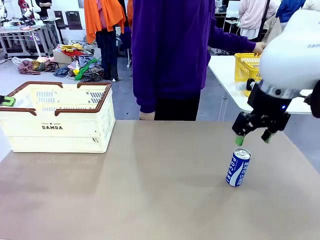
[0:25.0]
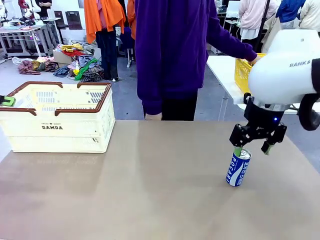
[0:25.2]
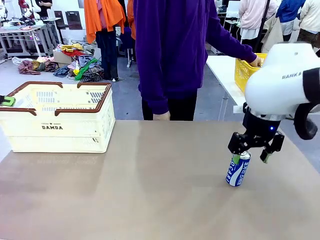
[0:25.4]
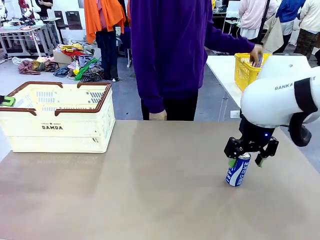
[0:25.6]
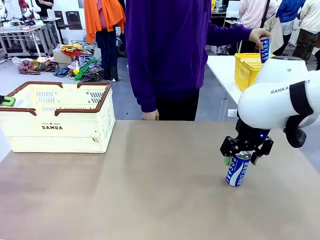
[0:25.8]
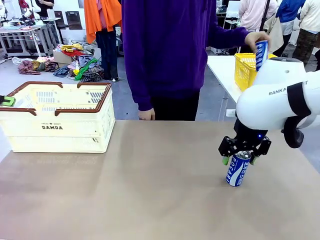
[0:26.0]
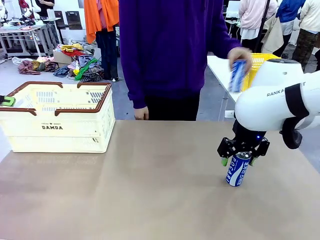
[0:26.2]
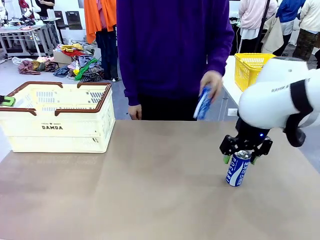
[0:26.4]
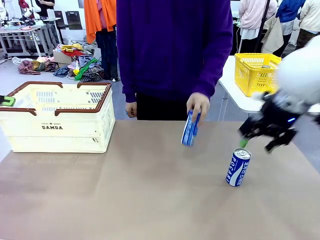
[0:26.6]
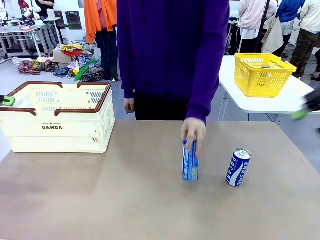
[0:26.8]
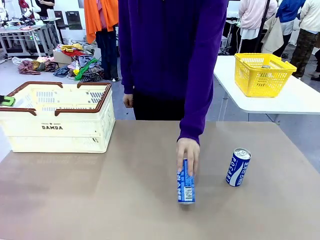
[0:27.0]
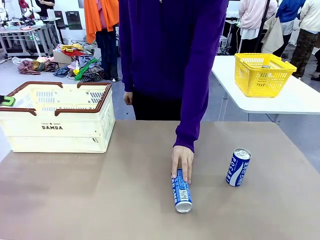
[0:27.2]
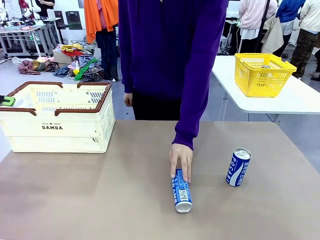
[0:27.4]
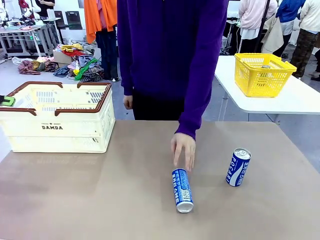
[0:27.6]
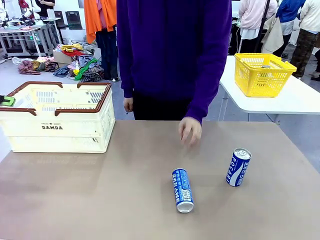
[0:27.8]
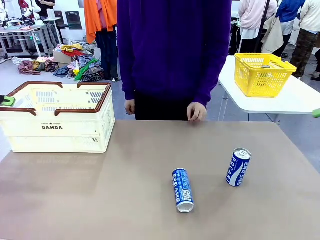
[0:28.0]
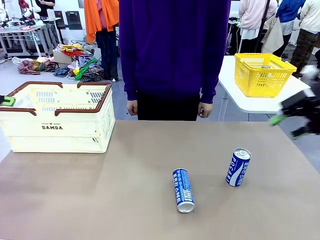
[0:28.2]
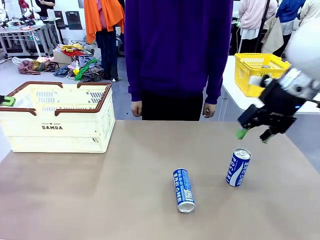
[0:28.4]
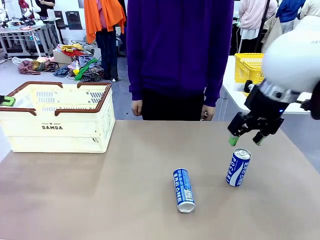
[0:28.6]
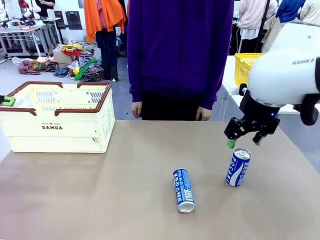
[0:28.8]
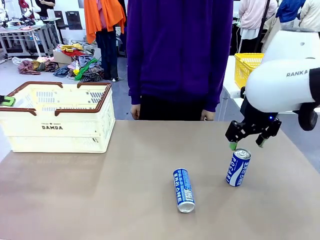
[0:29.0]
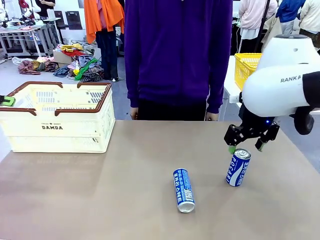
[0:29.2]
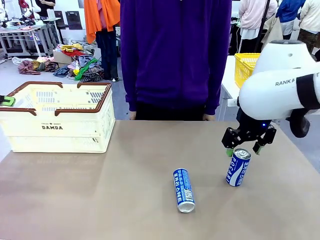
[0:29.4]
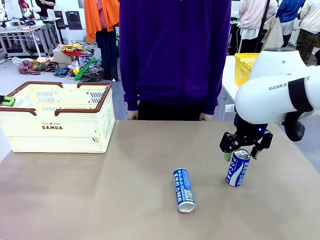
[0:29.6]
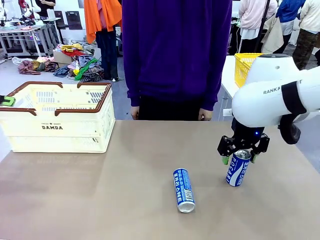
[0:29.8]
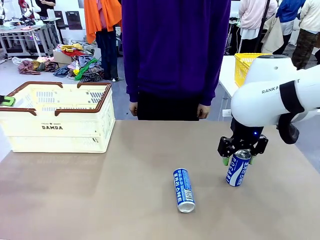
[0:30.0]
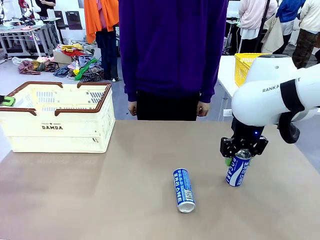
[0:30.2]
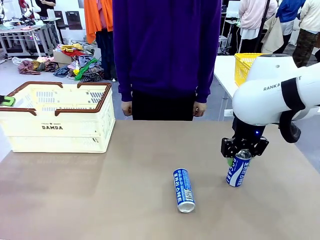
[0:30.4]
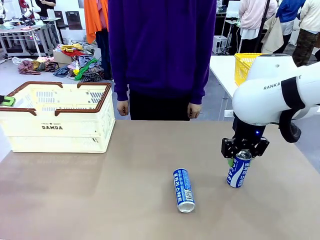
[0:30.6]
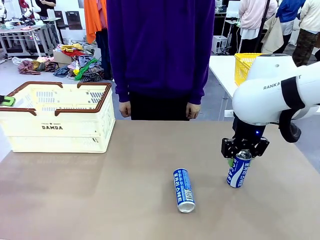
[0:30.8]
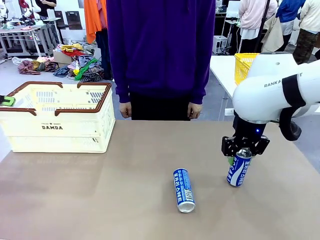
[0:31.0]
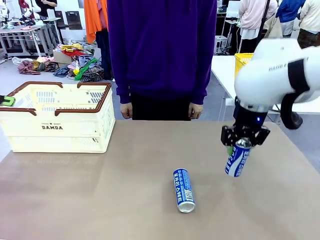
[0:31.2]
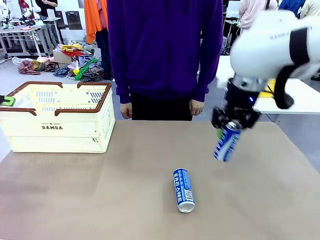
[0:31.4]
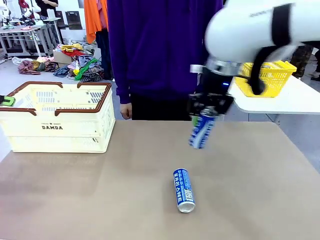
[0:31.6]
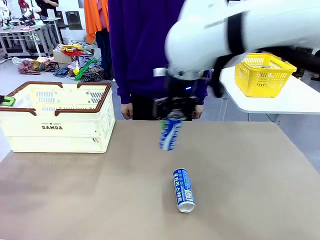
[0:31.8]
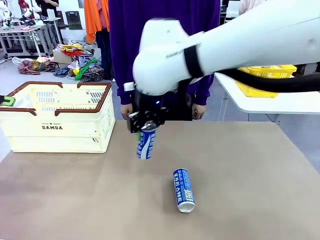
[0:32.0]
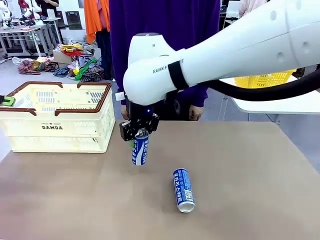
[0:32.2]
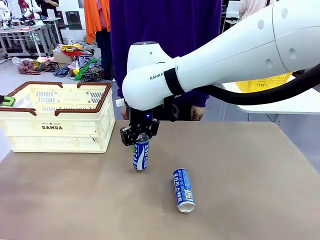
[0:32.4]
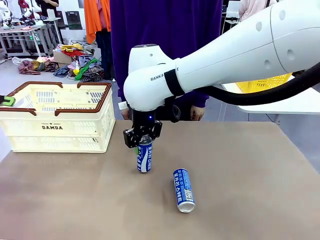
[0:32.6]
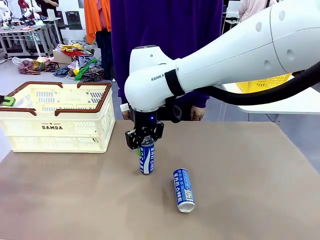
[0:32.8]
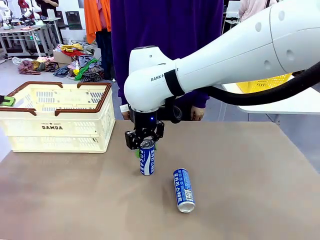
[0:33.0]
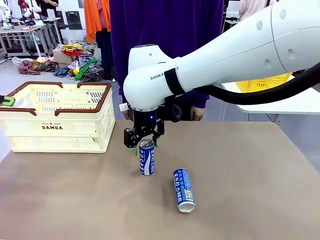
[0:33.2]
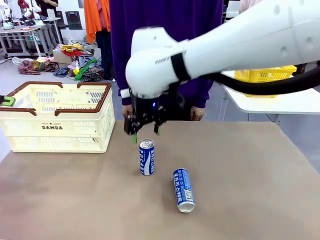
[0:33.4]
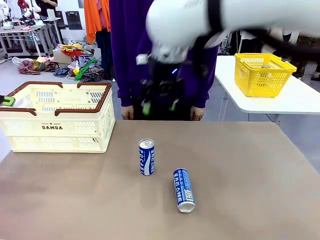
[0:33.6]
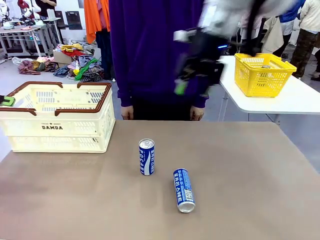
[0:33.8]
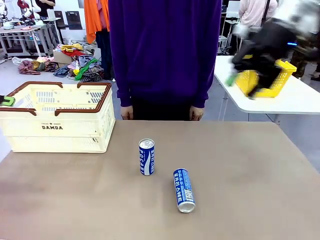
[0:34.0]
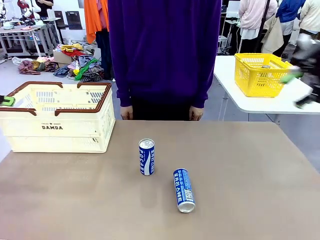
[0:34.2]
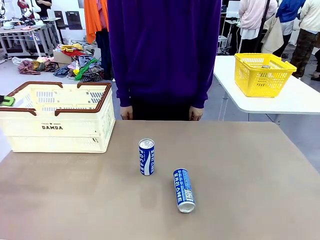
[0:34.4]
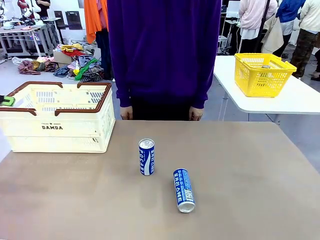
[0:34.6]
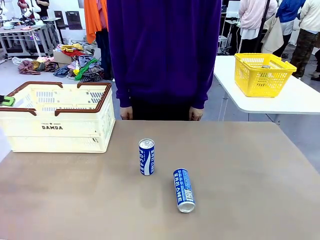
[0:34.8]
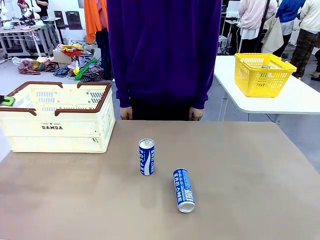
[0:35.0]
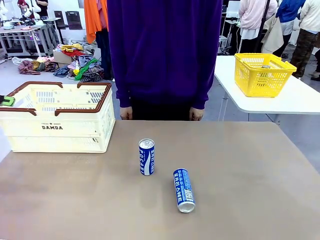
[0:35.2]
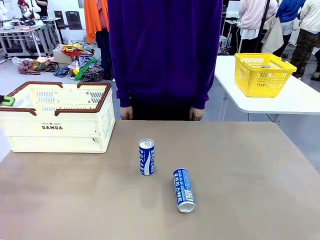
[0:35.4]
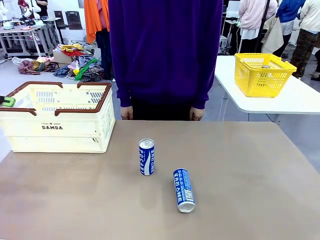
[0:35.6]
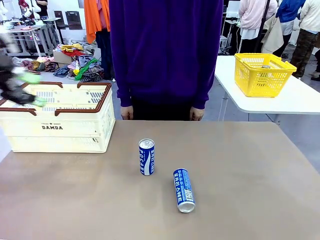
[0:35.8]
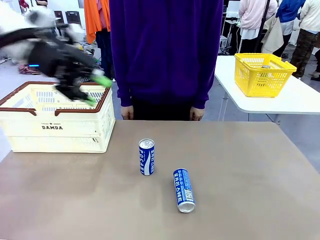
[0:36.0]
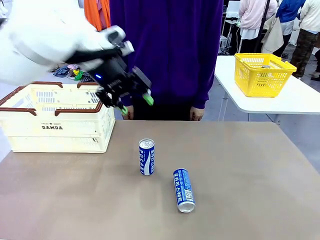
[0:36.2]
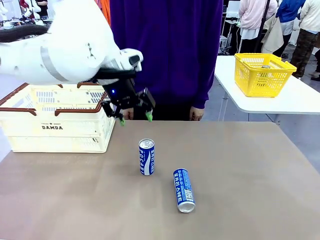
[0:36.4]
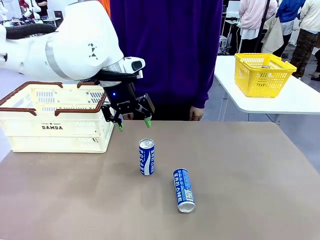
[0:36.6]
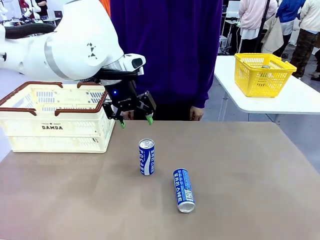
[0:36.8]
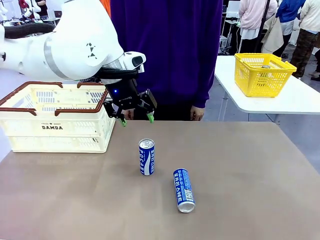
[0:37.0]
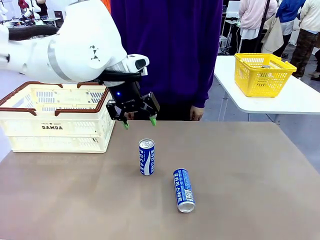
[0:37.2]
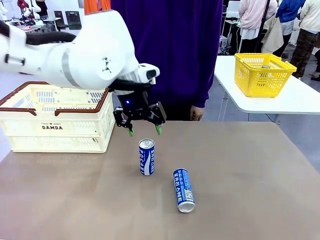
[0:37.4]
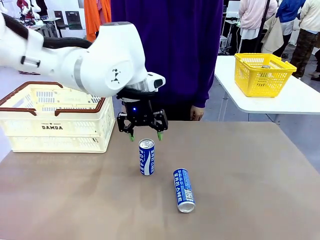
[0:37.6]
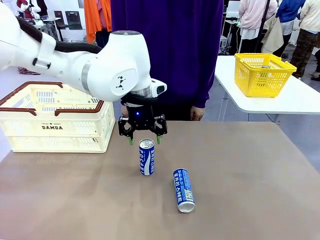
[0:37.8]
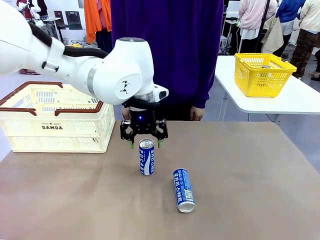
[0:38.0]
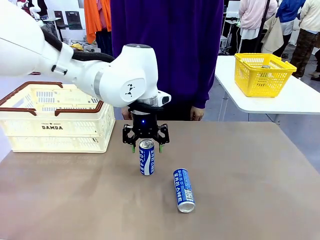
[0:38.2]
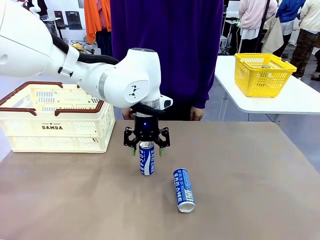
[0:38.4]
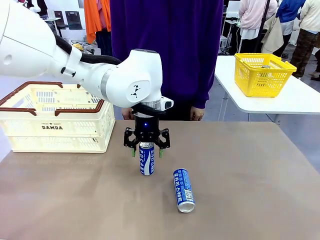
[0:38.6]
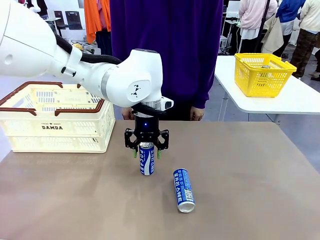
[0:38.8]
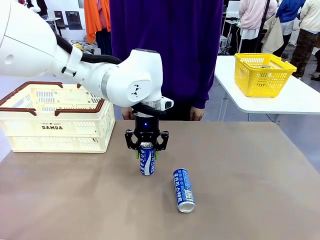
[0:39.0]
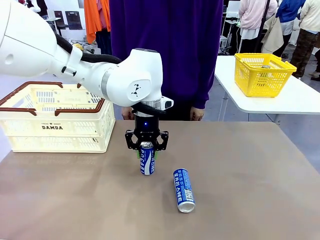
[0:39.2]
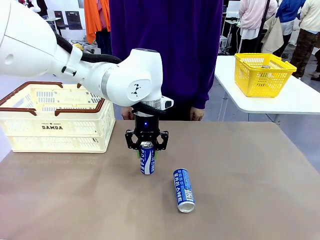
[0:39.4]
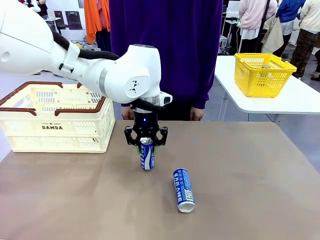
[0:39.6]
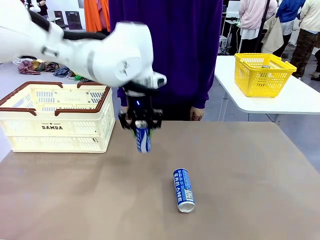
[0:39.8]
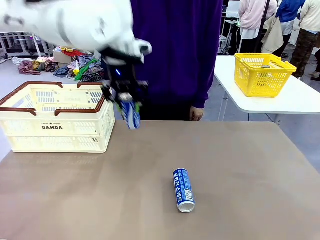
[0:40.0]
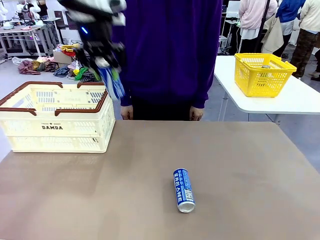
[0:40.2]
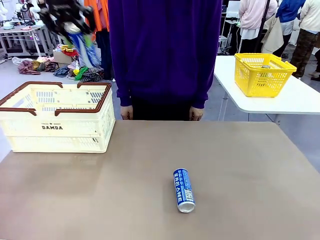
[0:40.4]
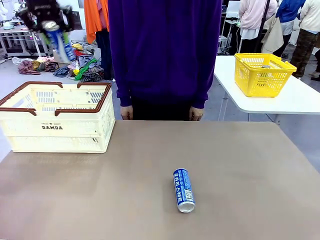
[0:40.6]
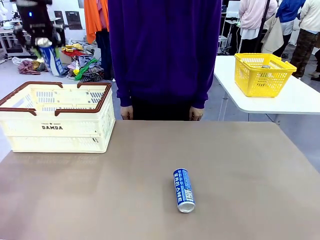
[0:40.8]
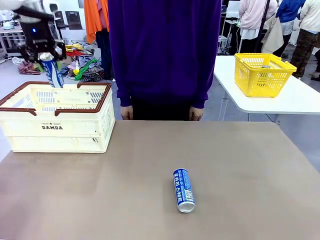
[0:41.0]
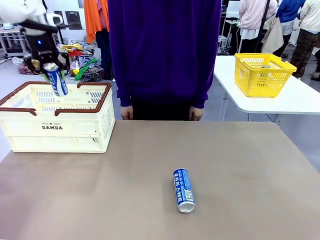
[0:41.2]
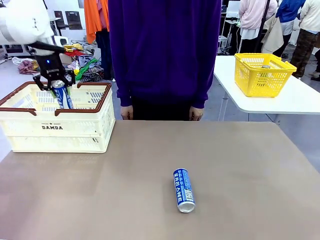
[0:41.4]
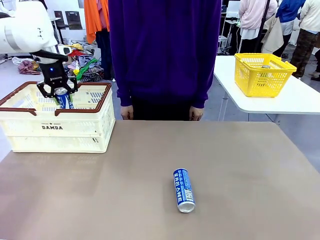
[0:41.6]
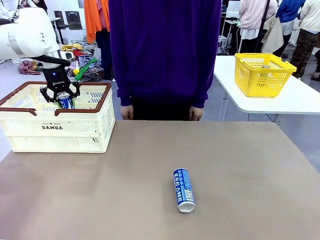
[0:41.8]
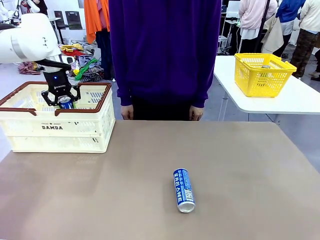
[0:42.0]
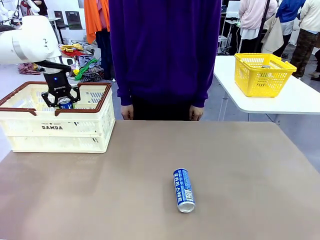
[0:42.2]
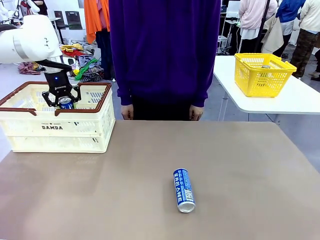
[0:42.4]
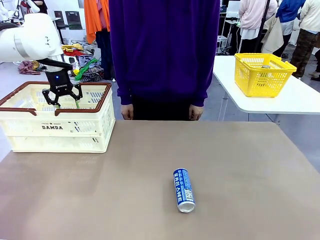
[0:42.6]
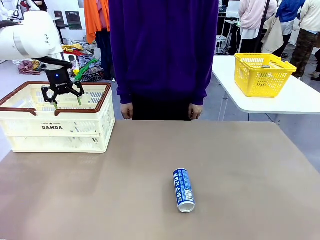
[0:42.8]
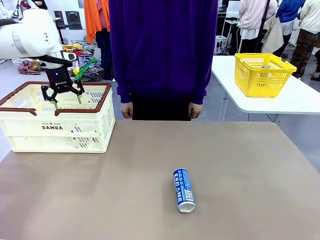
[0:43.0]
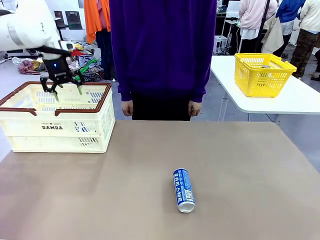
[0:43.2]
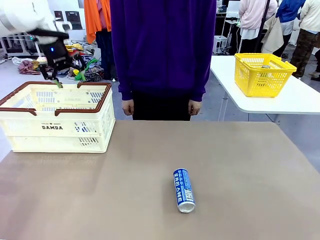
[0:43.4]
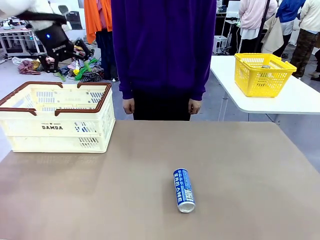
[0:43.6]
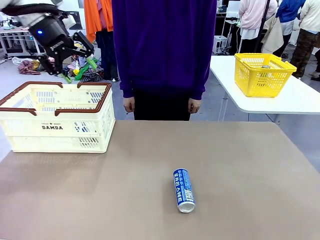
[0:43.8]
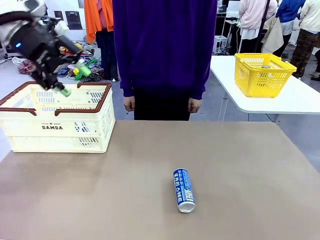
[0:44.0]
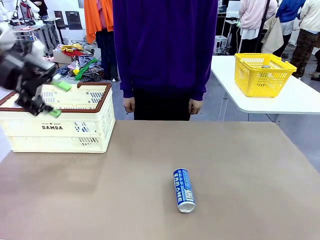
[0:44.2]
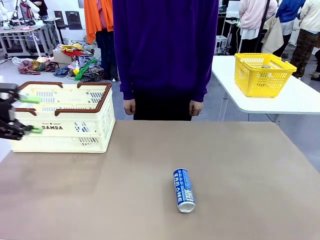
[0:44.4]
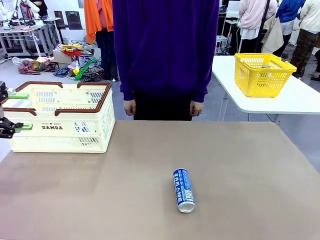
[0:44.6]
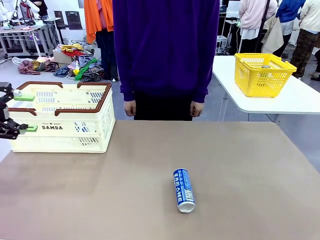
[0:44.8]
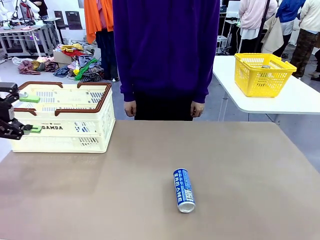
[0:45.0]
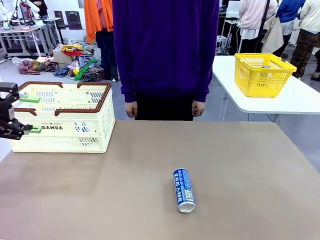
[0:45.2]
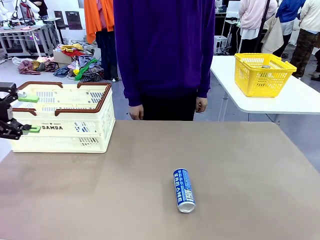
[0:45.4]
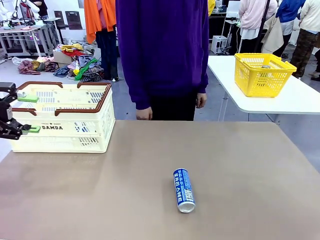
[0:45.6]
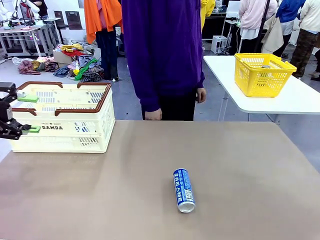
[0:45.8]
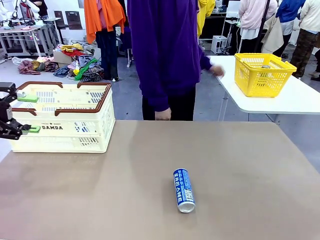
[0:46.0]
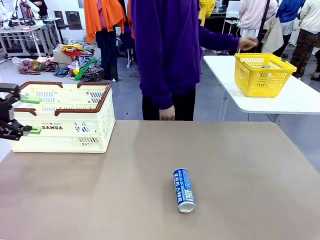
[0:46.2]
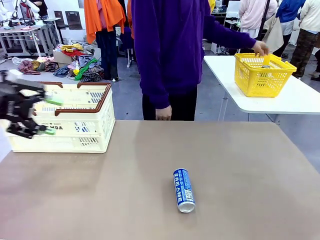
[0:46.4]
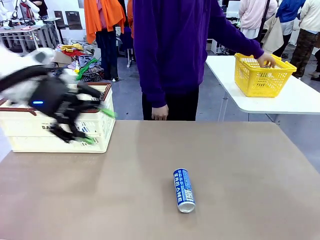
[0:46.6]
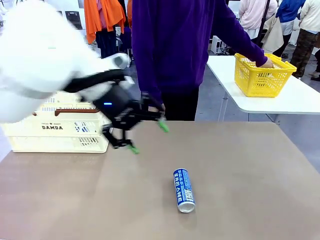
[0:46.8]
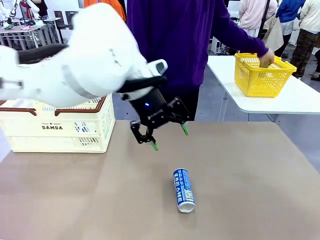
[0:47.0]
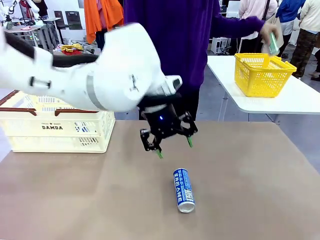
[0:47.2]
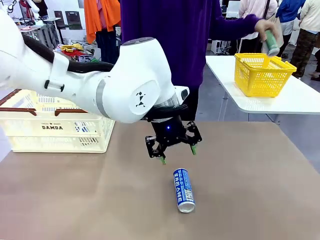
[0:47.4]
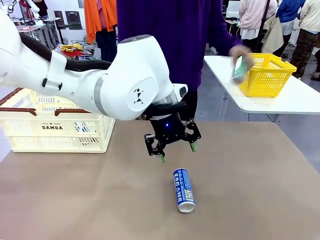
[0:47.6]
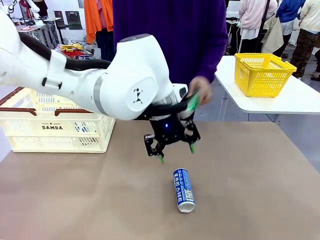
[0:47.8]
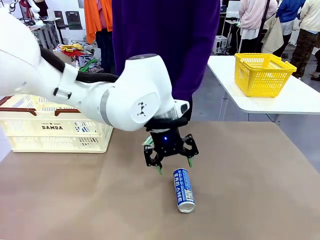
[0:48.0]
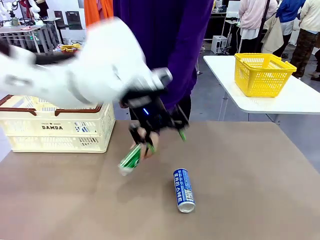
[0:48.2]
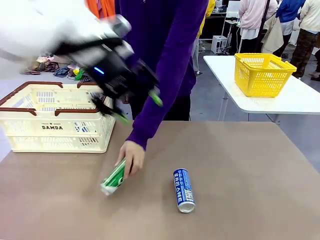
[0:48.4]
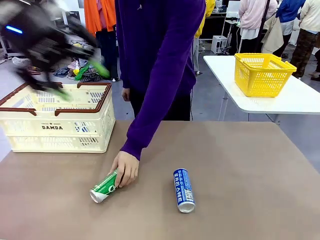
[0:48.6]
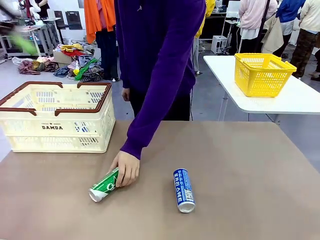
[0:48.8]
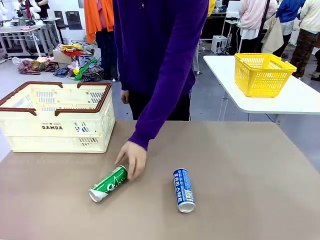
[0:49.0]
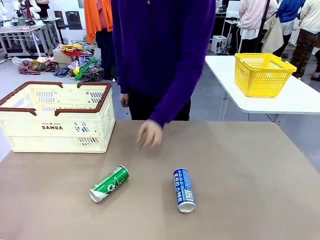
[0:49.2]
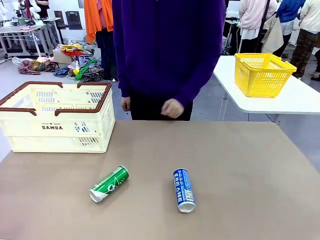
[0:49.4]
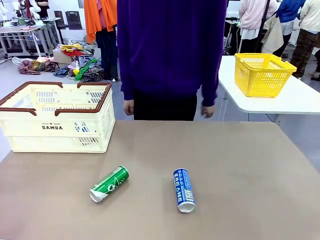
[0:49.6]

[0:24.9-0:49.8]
Task: Place the drinks into the Shopping basket.
Robot: Pick up one drink and place it into the Shopping basket.
